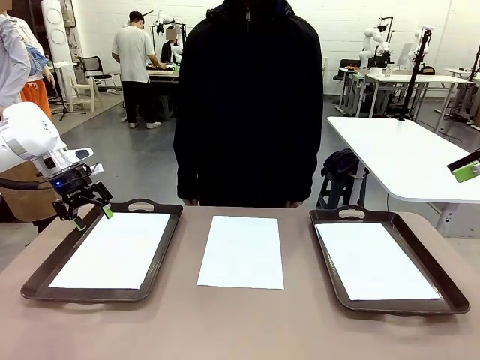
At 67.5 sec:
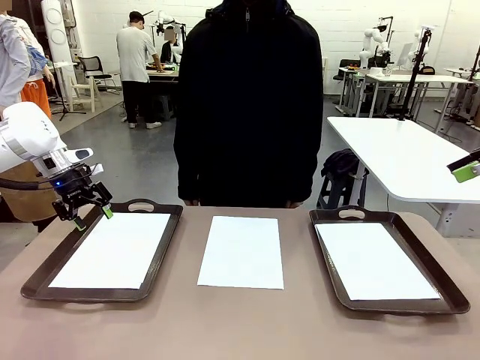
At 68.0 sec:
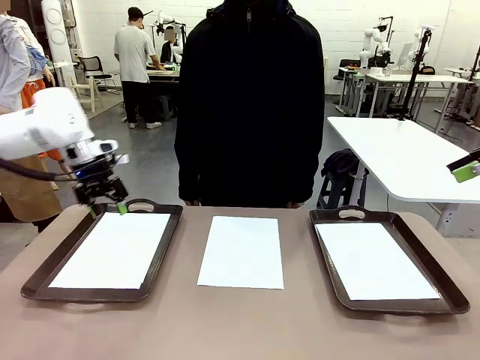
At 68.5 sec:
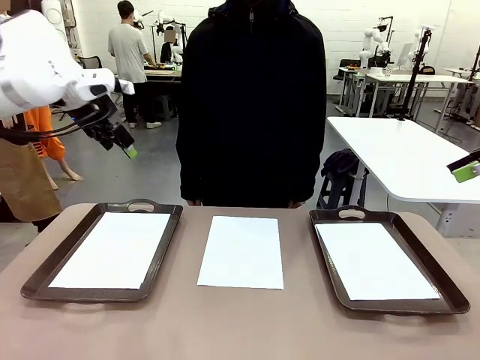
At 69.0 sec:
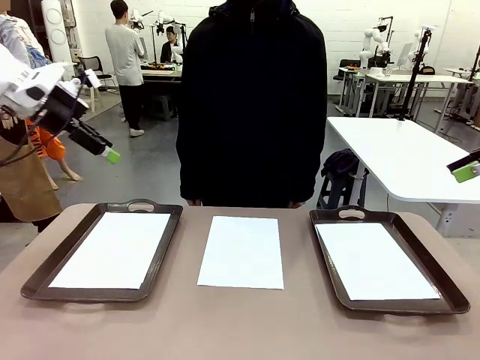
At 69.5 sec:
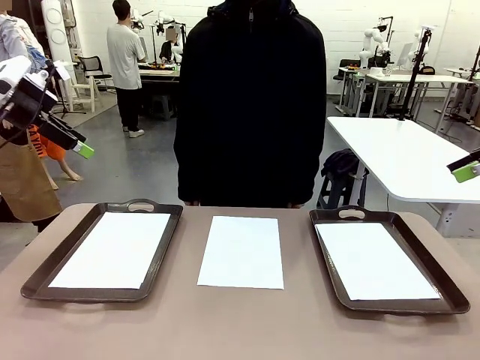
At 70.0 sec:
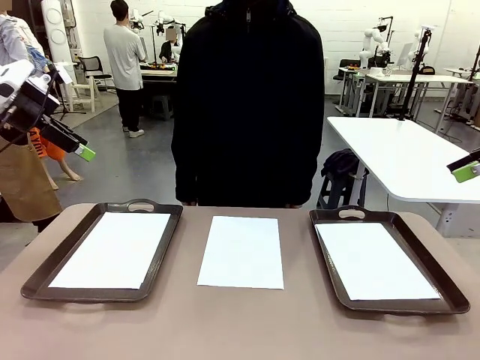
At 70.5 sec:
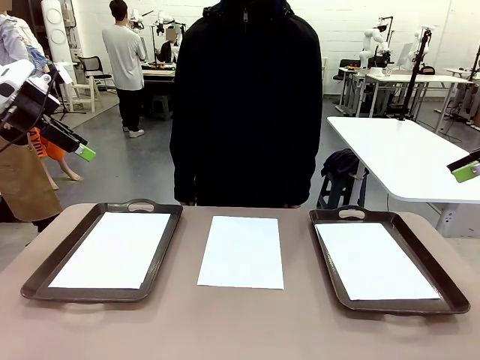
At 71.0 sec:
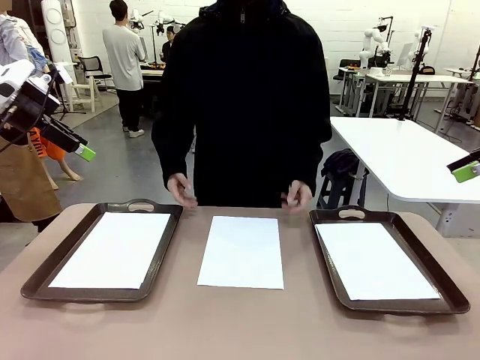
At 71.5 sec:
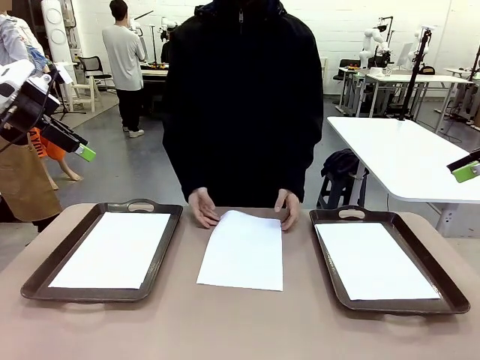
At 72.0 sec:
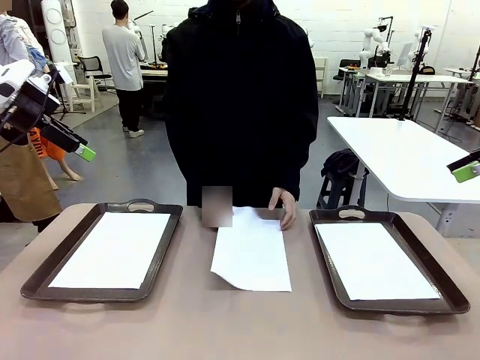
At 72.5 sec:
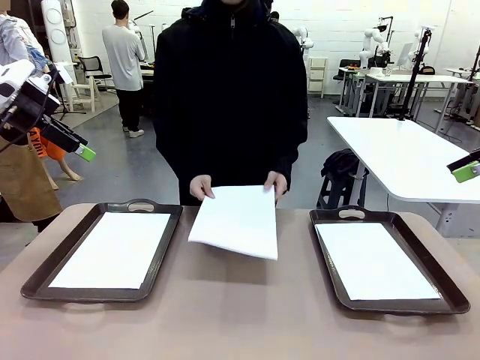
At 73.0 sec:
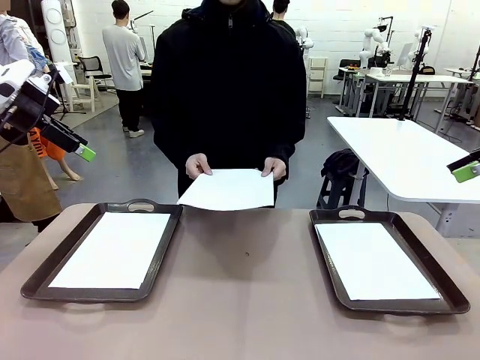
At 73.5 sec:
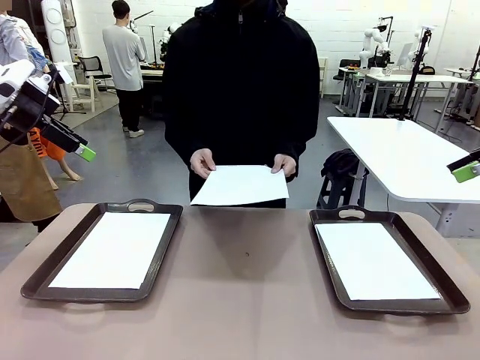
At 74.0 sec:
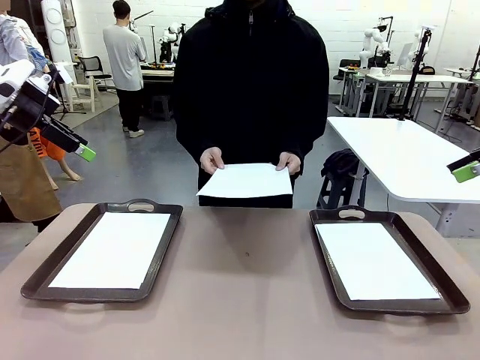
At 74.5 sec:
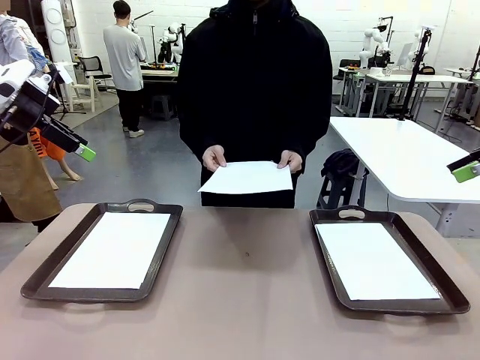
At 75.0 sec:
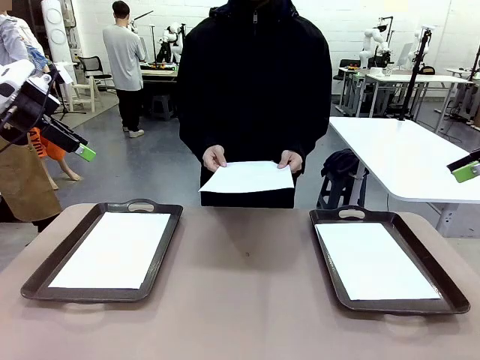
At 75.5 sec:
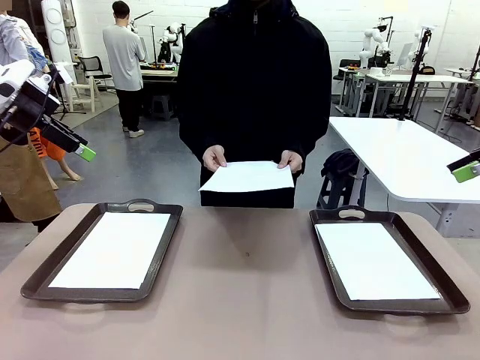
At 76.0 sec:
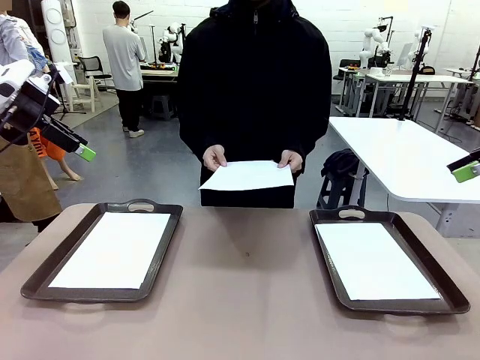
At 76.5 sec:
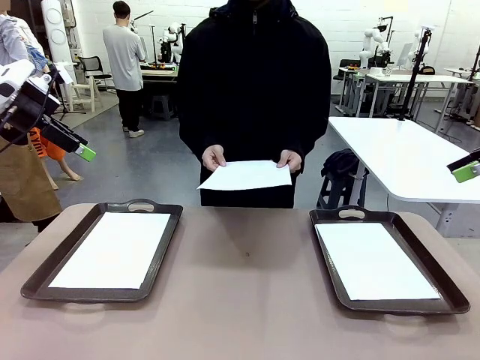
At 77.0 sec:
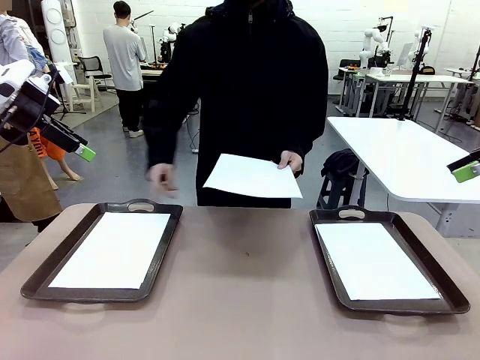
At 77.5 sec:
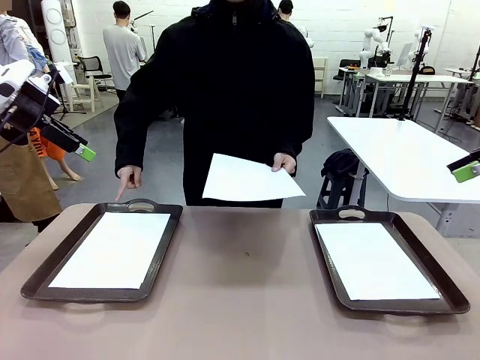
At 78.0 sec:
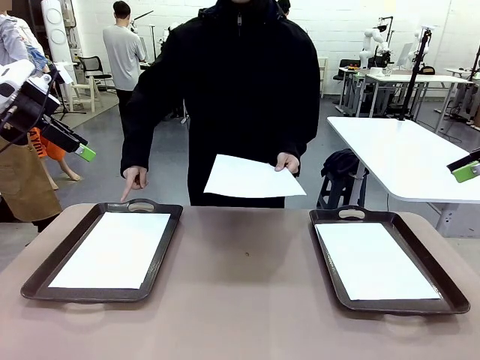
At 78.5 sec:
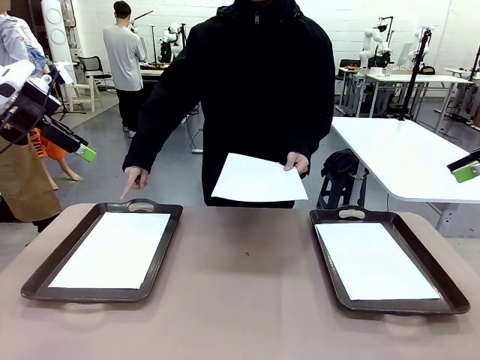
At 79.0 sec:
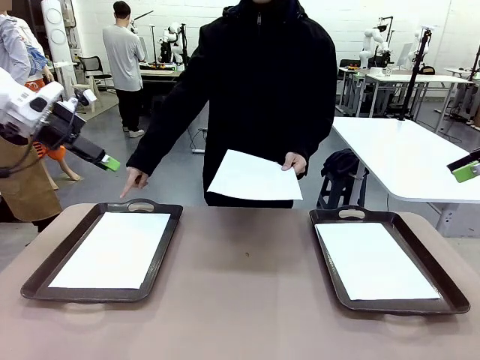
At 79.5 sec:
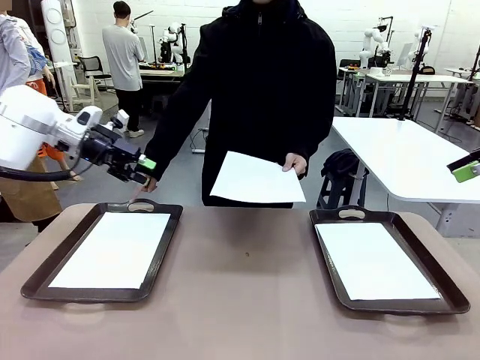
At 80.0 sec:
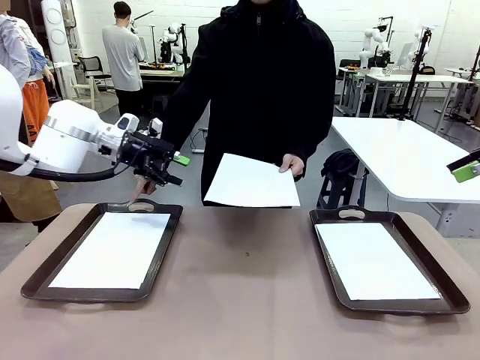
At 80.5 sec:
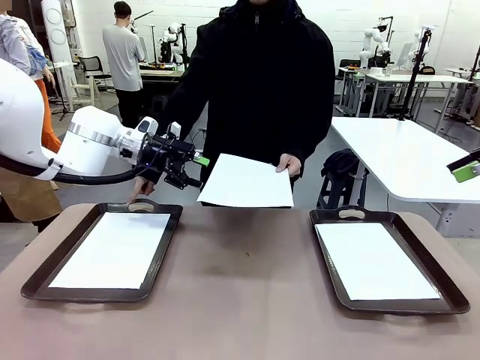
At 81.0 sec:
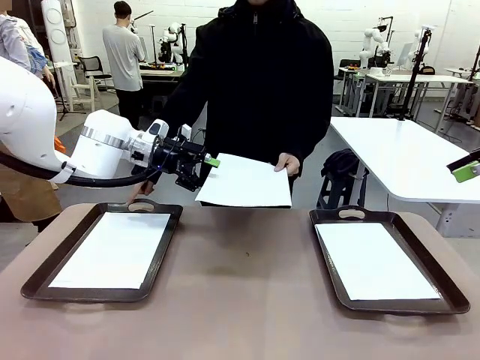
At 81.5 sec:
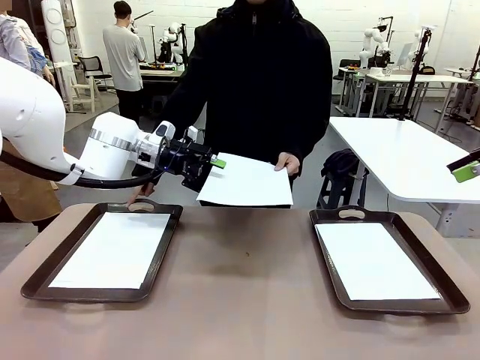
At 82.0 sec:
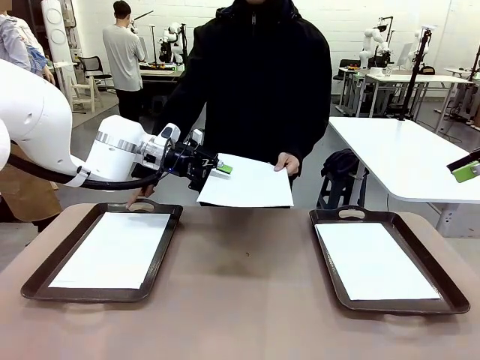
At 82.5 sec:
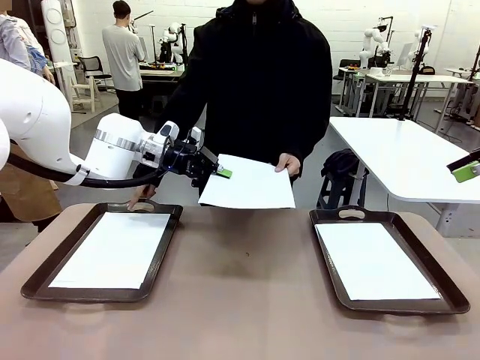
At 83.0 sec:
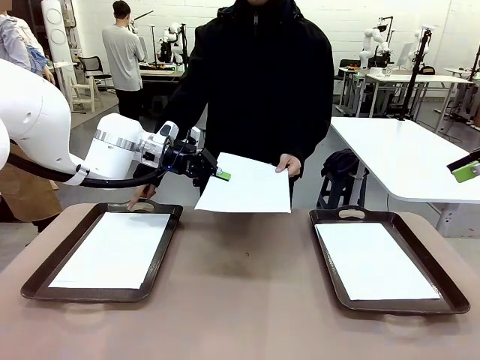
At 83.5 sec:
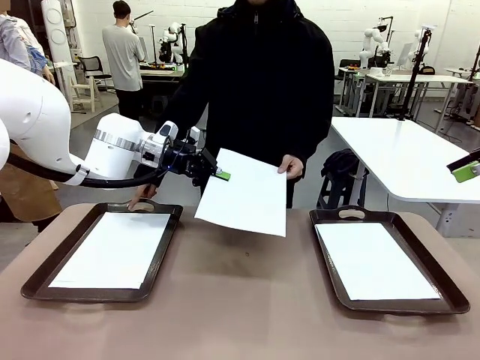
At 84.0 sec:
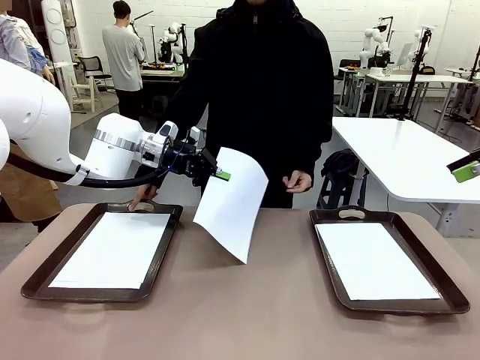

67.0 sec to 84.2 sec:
Task: Sort the A4 documents.
Robot: Receive the A4 Paper.
Person: Point the randomly selected tray with the other hand.

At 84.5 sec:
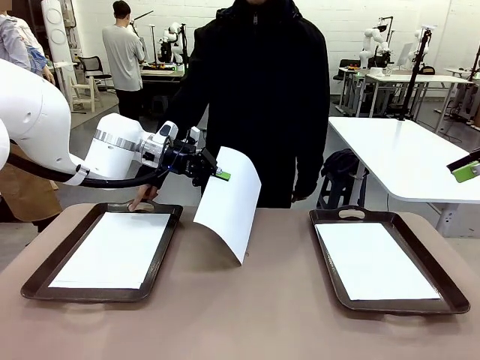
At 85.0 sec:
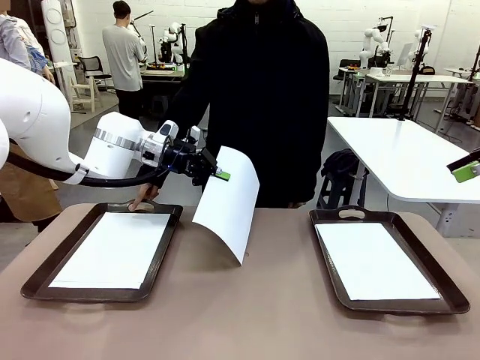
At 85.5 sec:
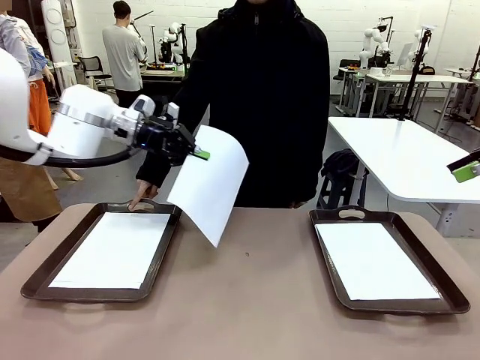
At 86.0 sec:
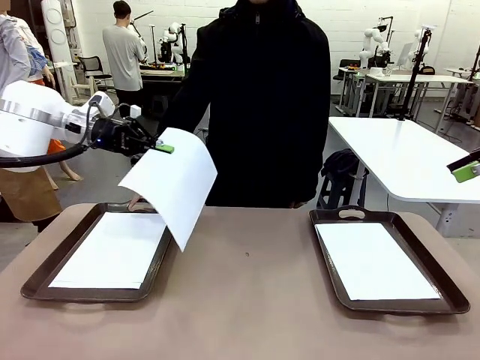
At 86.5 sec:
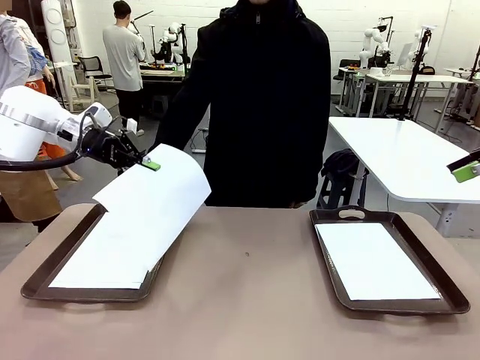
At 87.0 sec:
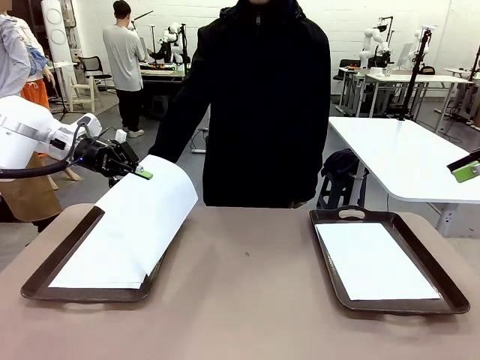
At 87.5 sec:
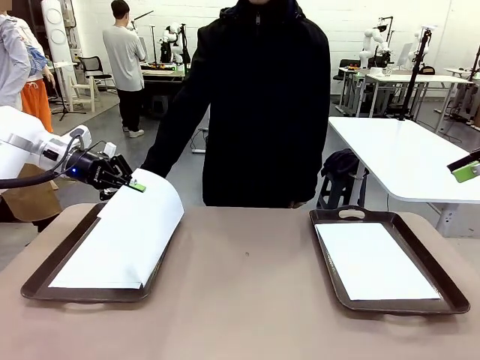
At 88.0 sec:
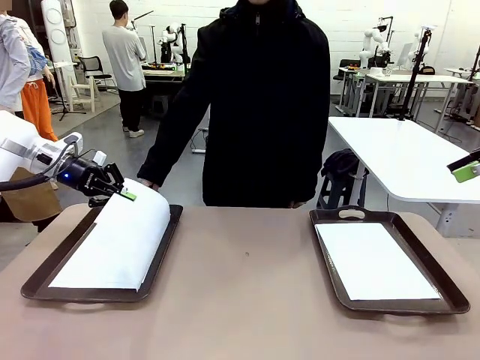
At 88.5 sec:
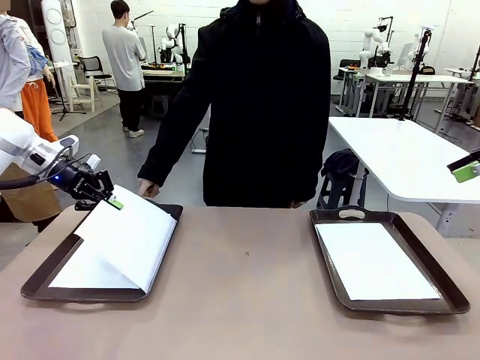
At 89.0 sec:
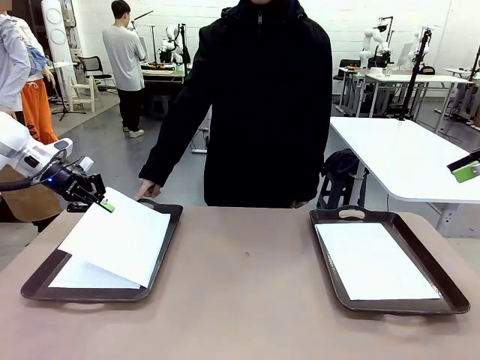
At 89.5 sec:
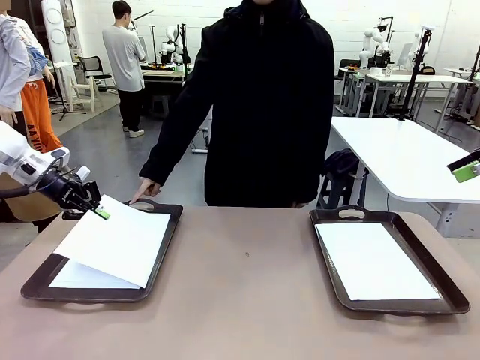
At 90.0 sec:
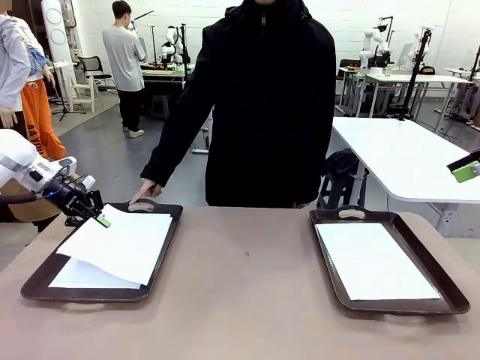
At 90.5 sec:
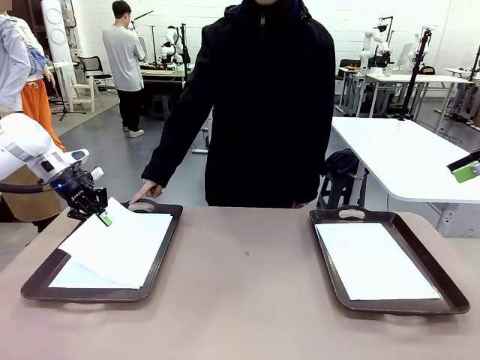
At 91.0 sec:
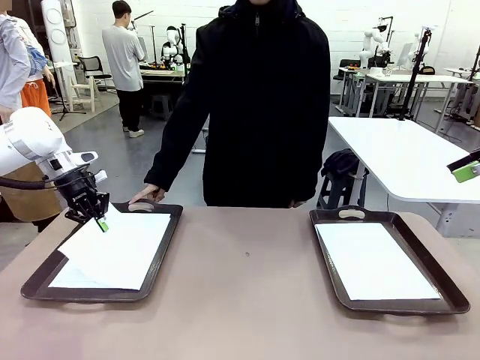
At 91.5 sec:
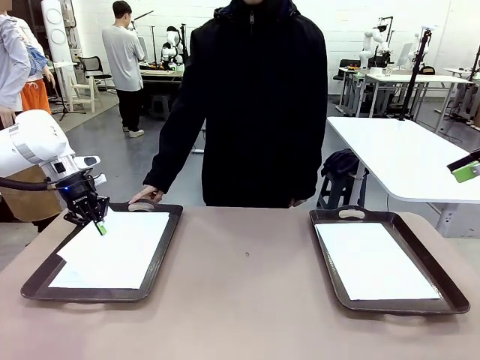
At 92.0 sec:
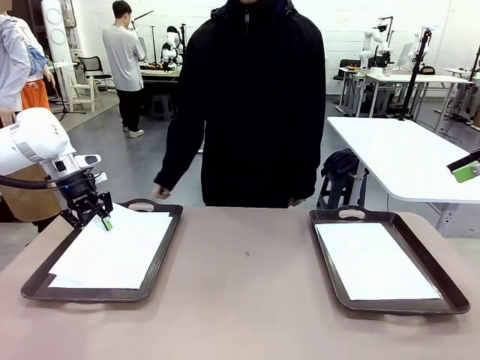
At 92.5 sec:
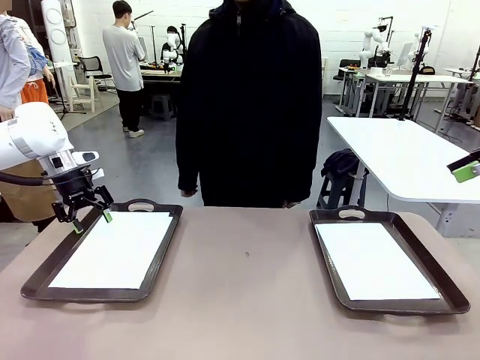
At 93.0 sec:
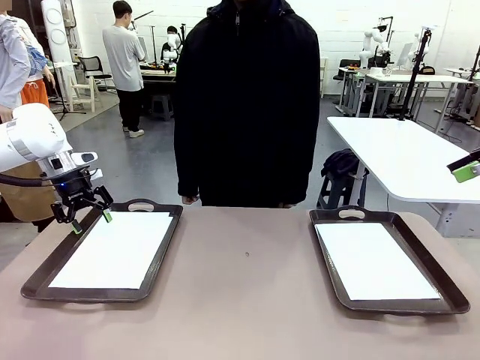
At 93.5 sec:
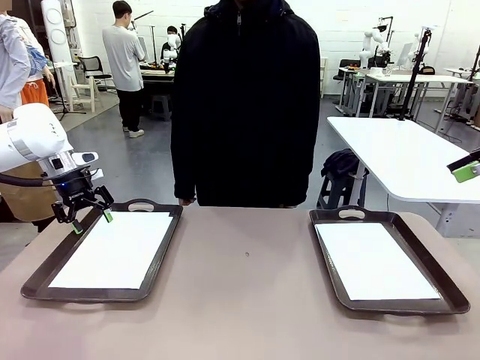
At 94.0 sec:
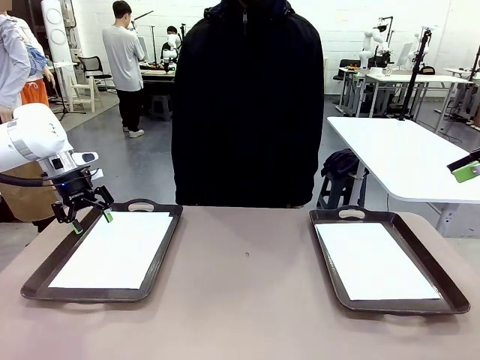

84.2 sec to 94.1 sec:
Robot: Place the A4 Paper in the designated Handle tray.
